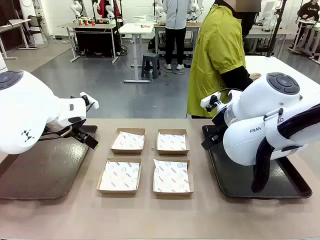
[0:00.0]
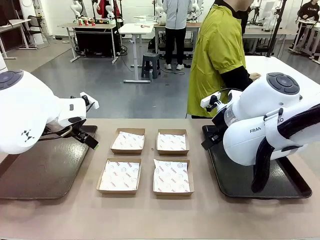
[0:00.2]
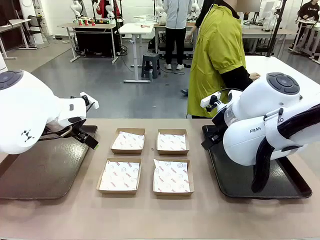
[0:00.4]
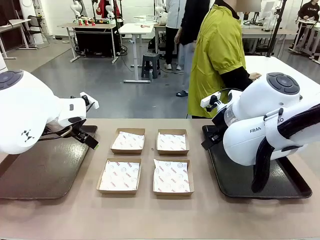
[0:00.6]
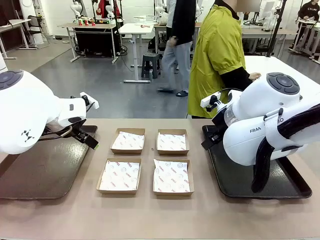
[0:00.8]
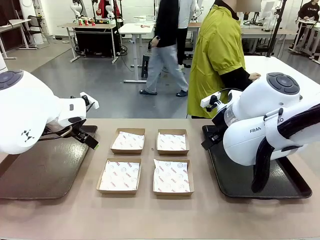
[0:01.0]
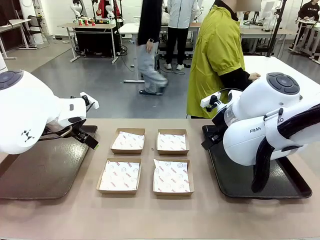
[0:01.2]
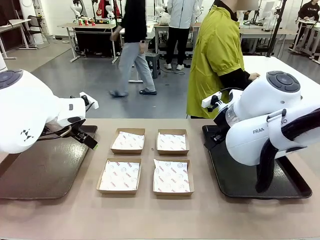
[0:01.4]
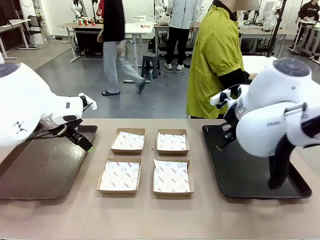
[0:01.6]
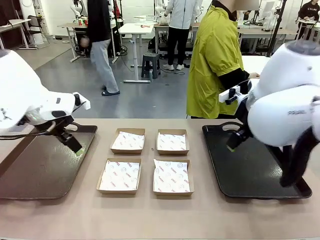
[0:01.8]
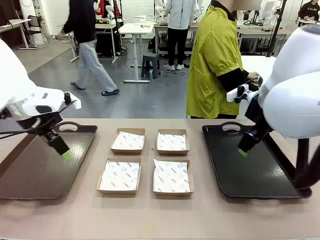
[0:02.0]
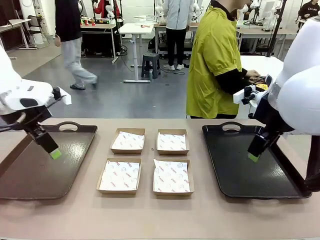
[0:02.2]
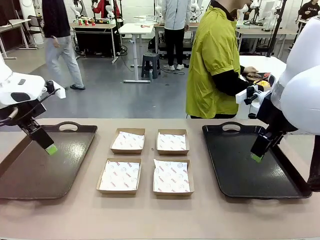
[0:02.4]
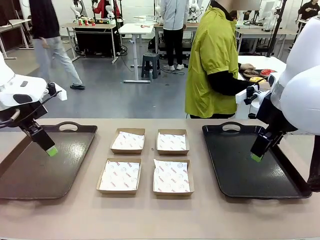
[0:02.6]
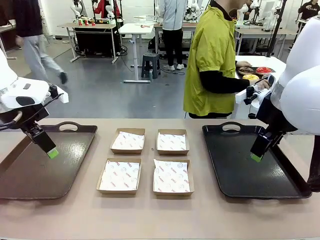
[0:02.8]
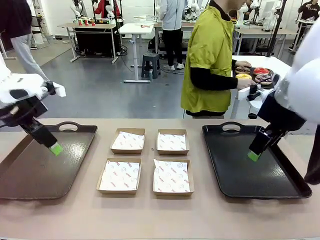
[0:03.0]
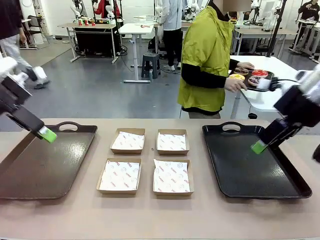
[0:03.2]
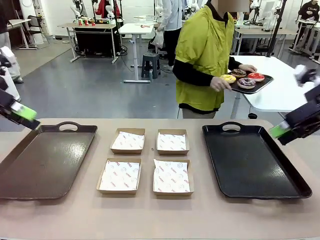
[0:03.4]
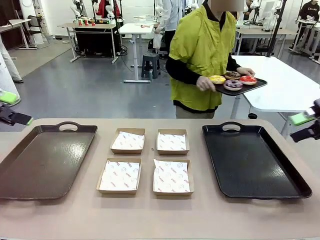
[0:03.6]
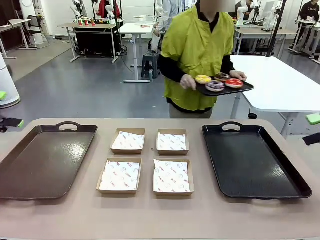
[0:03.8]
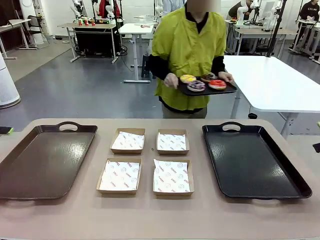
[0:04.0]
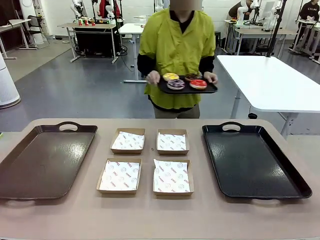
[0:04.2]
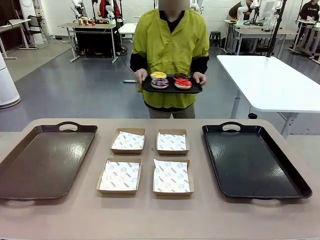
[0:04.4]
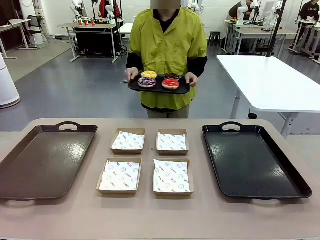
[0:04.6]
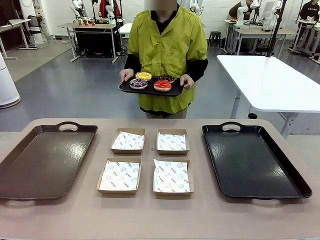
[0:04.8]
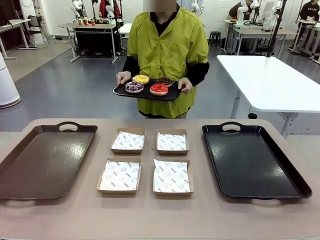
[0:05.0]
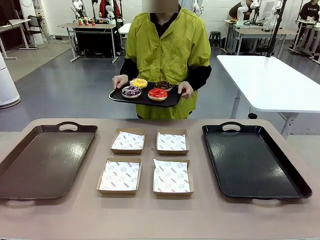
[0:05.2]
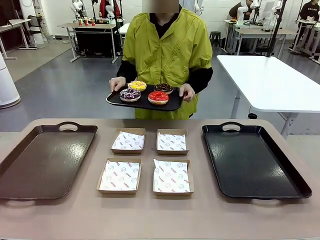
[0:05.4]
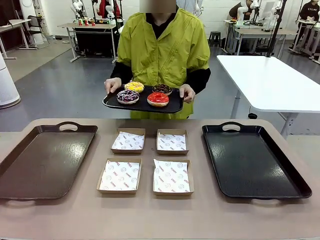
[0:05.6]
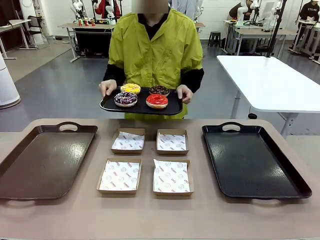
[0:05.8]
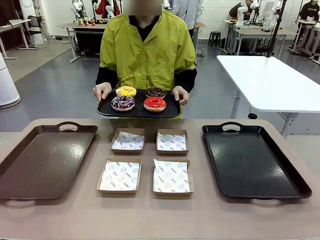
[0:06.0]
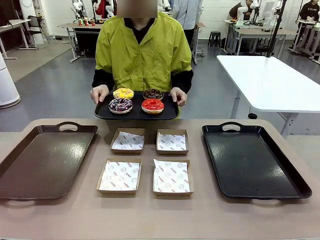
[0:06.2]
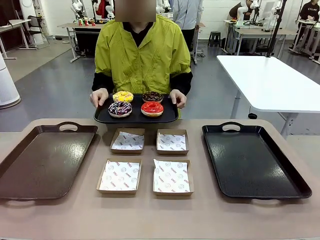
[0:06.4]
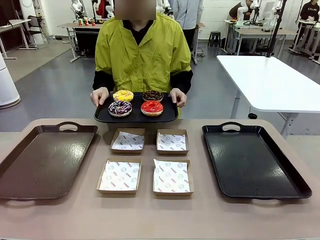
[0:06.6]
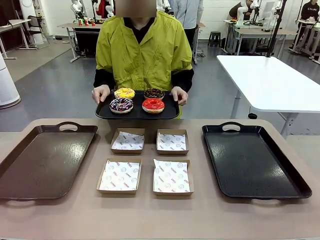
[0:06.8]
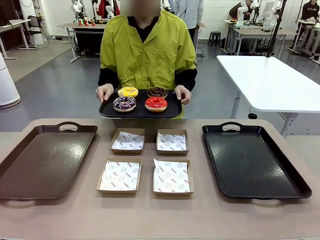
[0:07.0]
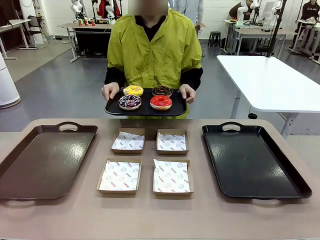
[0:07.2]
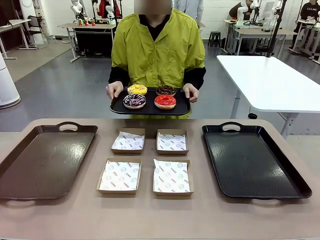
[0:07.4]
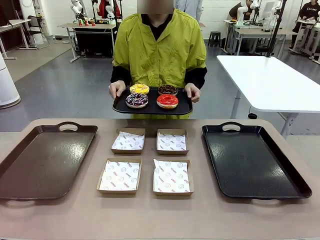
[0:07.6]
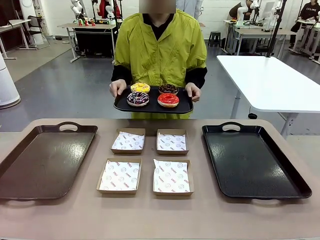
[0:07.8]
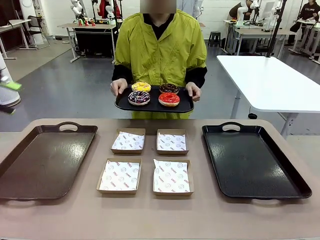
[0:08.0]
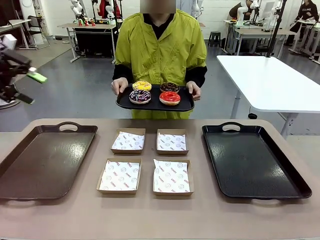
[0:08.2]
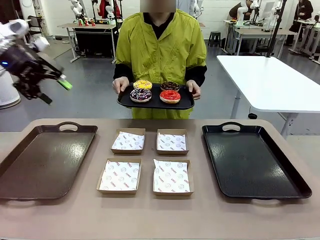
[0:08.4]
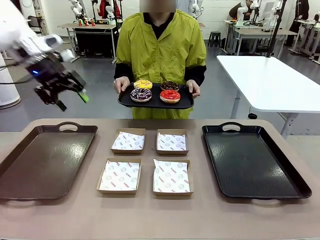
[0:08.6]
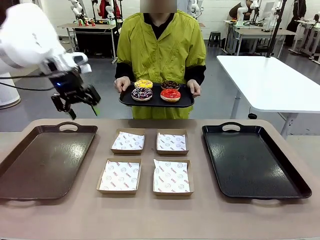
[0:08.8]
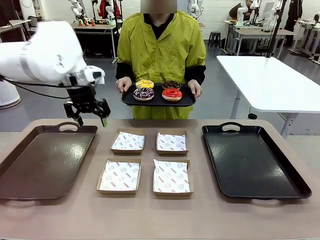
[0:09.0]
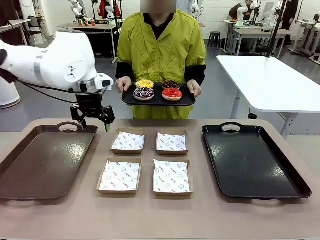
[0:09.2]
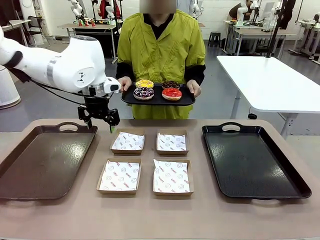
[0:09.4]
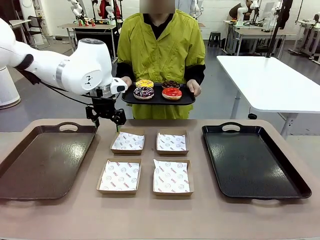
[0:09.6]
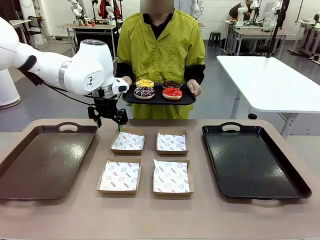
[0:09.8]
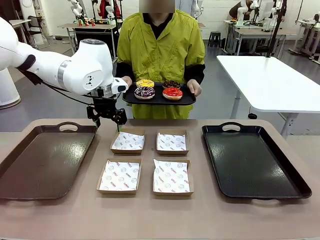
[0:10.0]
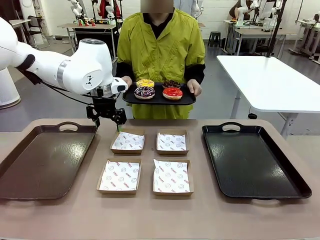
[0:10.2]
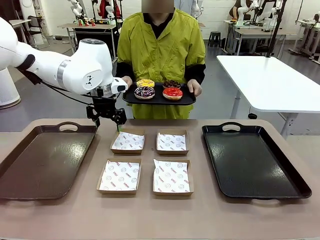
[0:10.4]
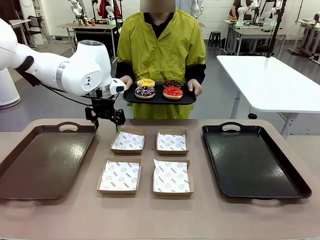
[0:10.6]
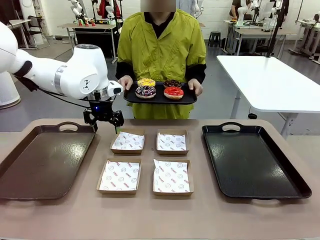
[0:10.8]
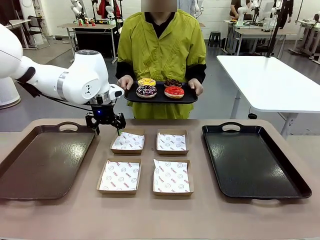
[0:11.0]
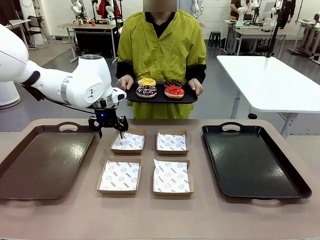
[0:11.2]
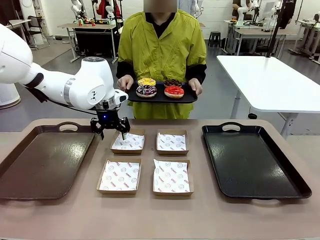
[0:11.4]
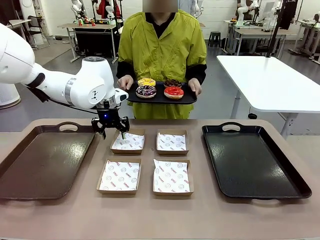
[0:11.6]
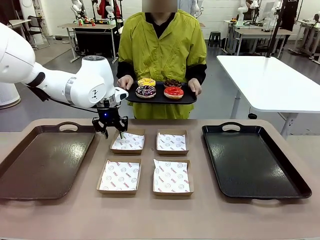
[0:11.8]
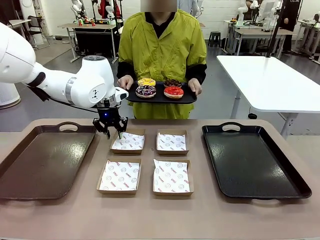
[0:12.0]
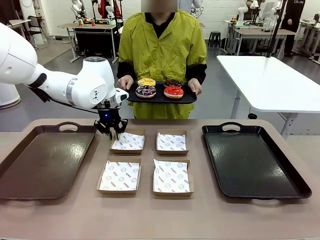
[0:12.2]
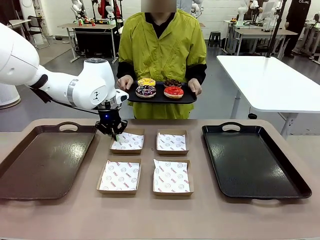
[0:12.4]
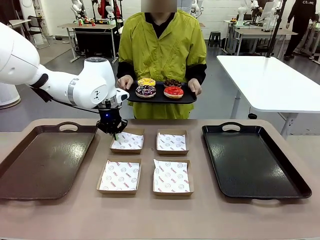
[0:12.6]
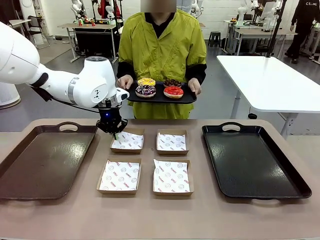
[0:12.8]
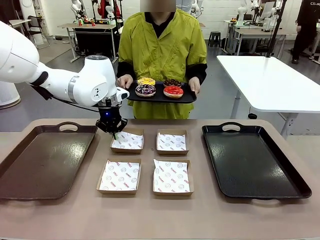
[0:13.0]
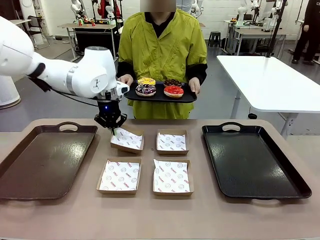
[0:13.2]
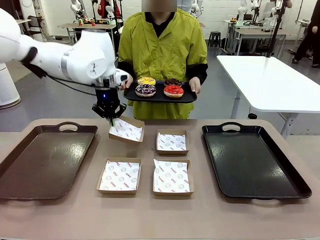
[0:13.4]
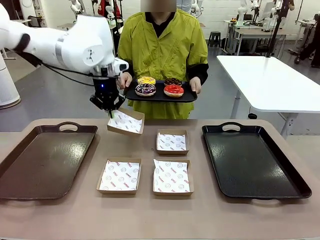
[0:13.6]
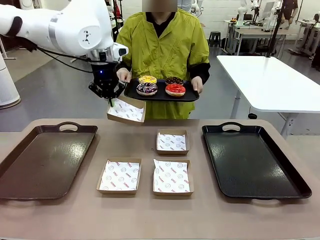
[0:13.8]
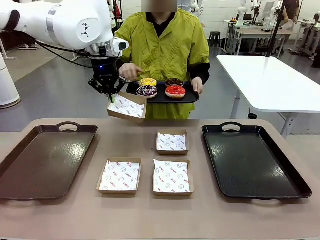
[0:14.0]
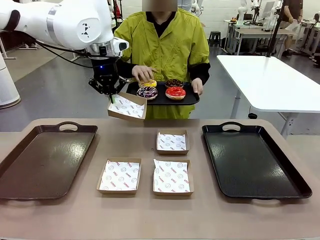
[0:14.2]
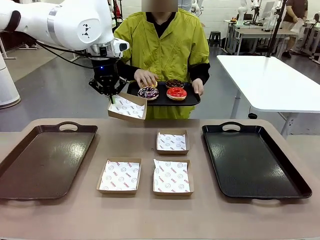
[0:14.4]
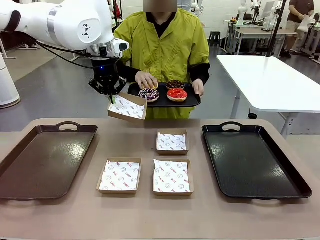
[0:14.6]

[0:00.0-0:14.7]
Task: Individually package the donuts and arrange them on the tray.
Robot: Pick up one Paper togo box.
Person: Stand in front of the robot table holding the tray containing the donuts.
